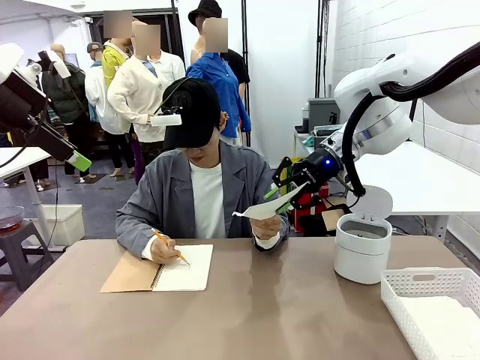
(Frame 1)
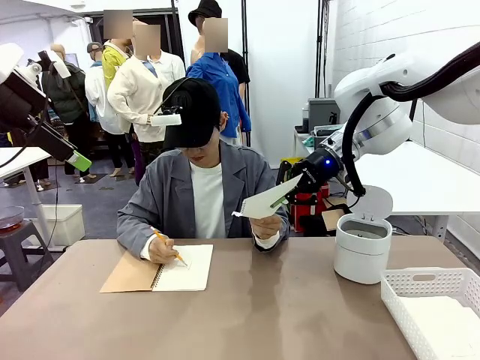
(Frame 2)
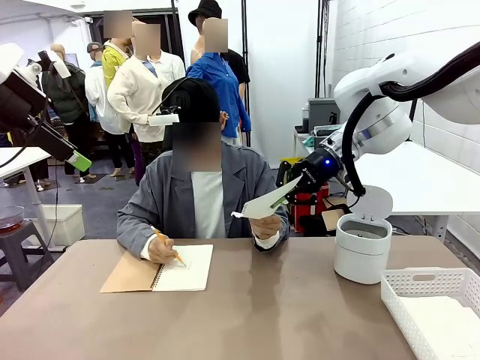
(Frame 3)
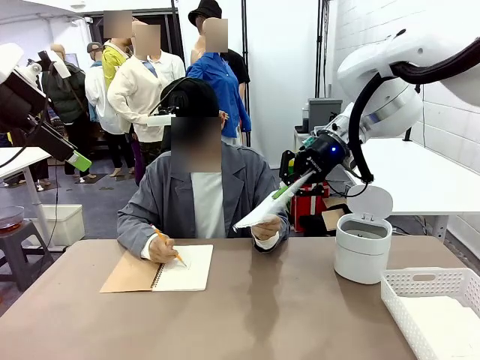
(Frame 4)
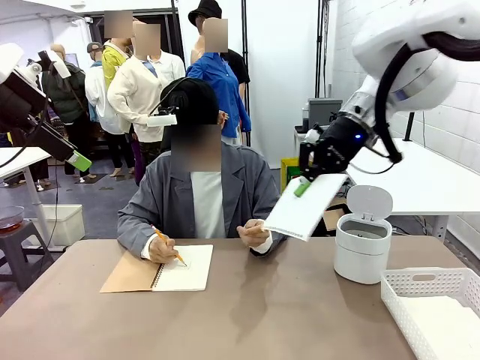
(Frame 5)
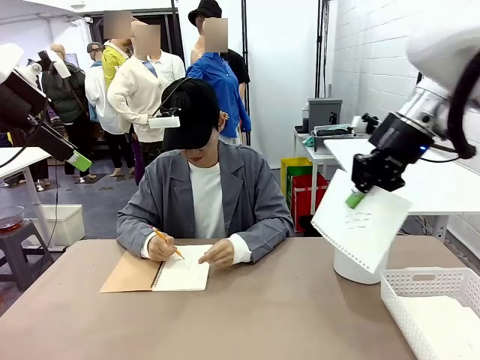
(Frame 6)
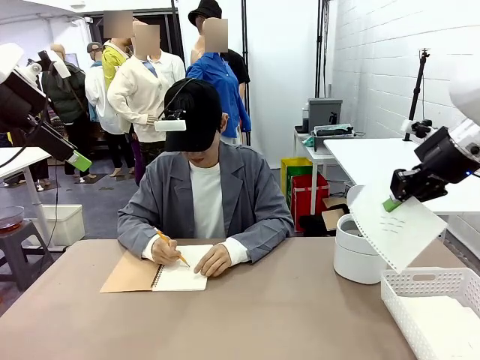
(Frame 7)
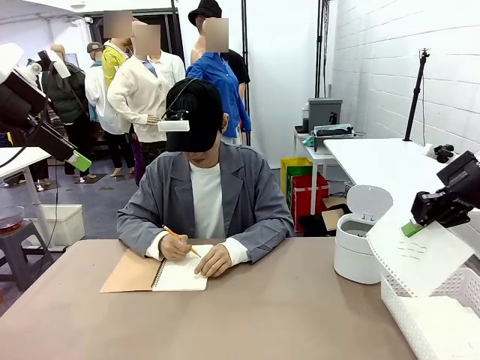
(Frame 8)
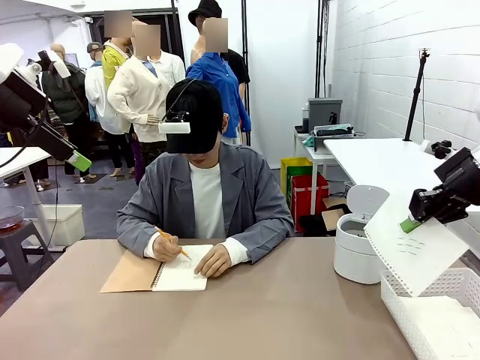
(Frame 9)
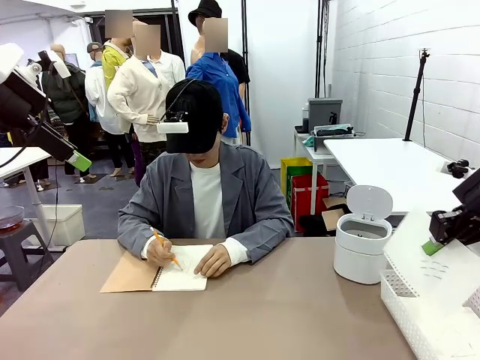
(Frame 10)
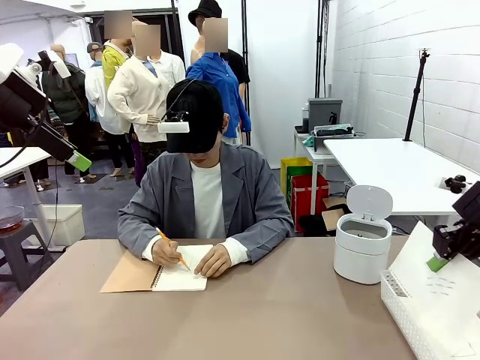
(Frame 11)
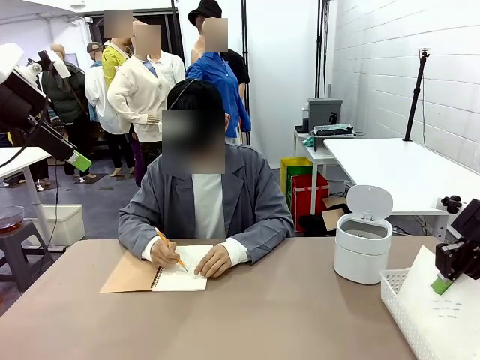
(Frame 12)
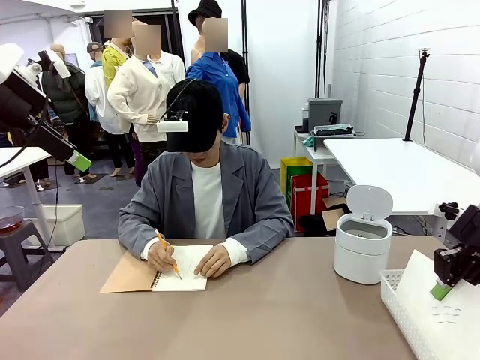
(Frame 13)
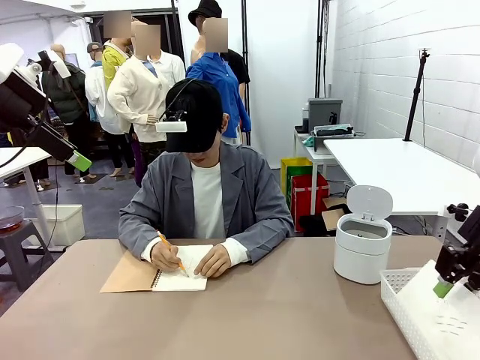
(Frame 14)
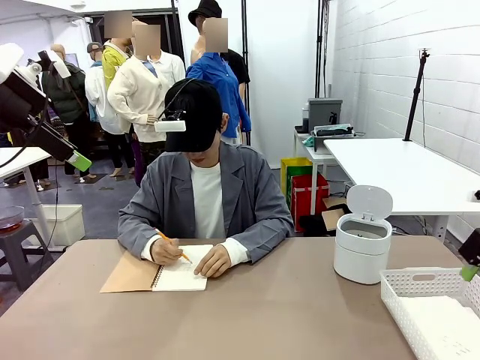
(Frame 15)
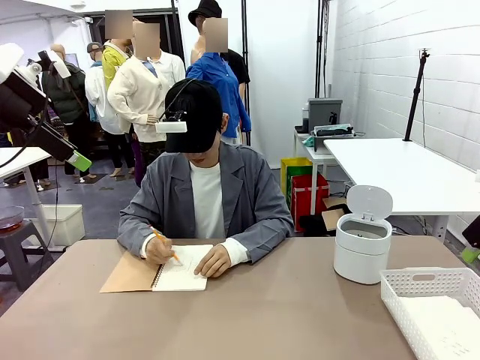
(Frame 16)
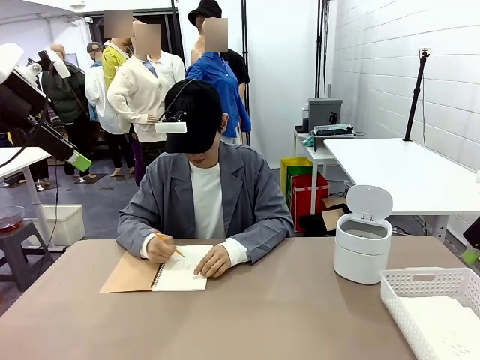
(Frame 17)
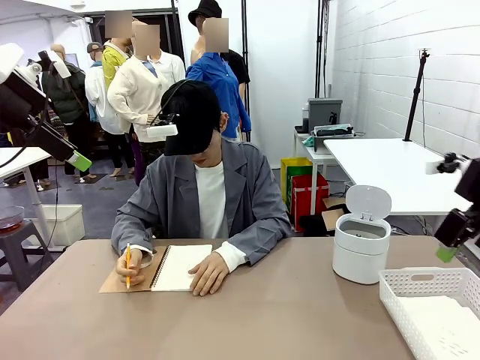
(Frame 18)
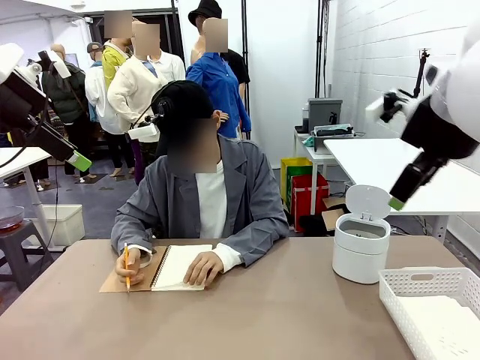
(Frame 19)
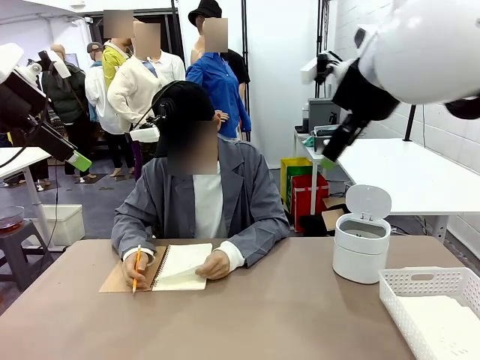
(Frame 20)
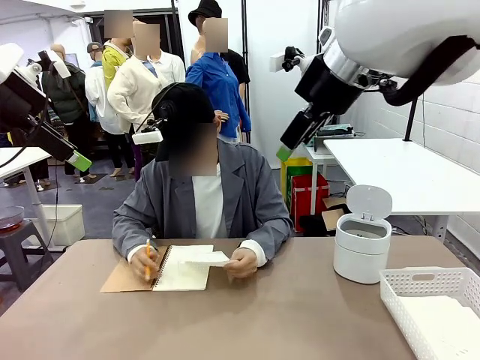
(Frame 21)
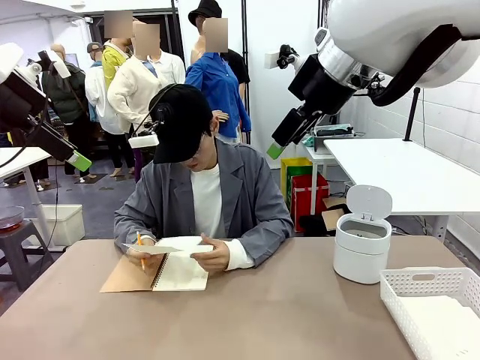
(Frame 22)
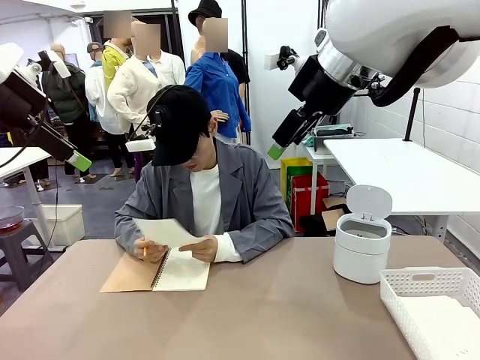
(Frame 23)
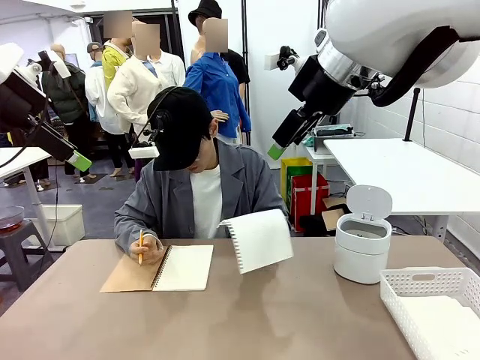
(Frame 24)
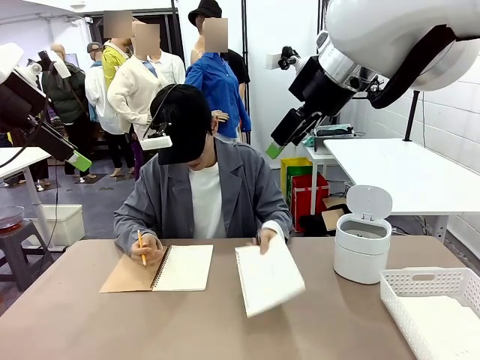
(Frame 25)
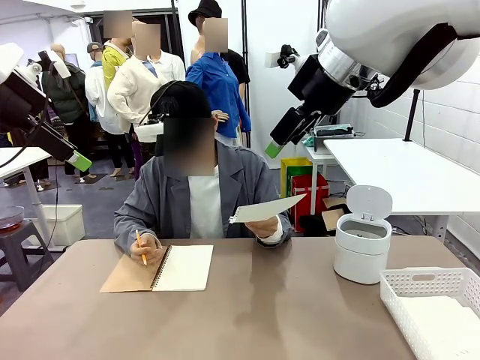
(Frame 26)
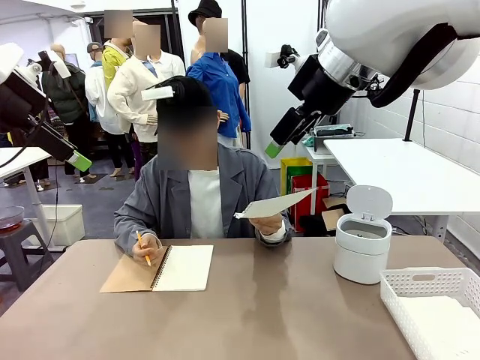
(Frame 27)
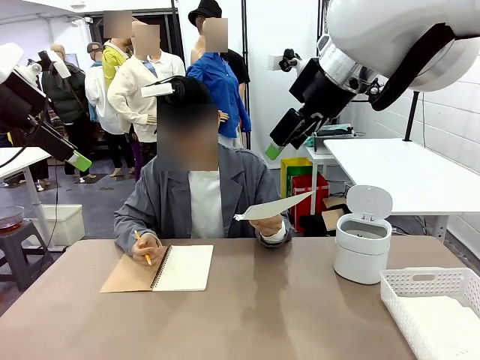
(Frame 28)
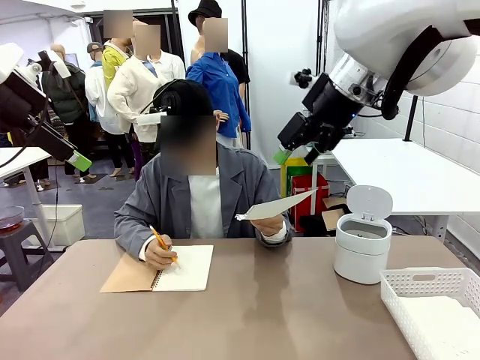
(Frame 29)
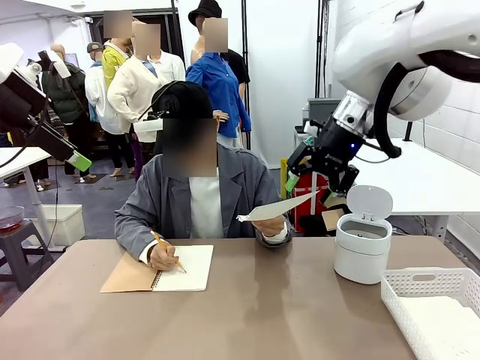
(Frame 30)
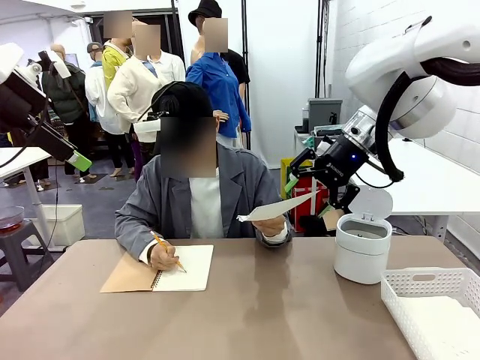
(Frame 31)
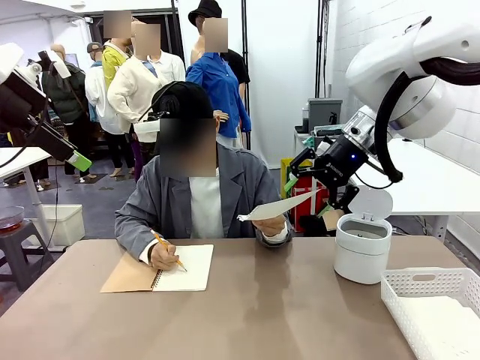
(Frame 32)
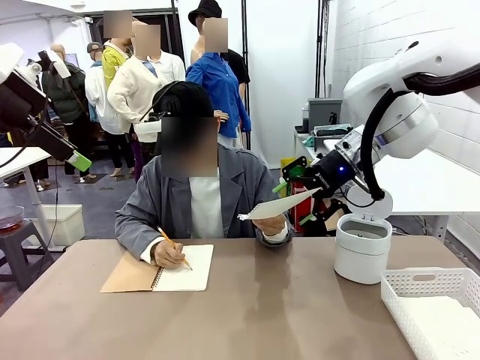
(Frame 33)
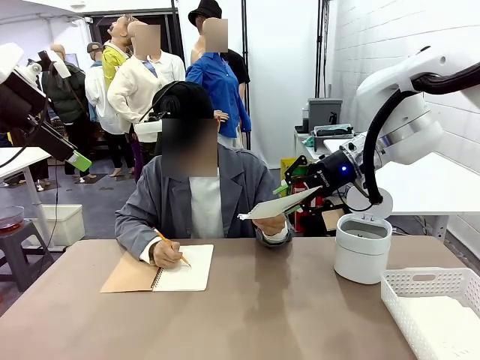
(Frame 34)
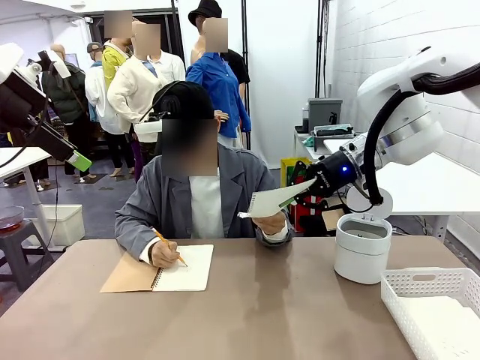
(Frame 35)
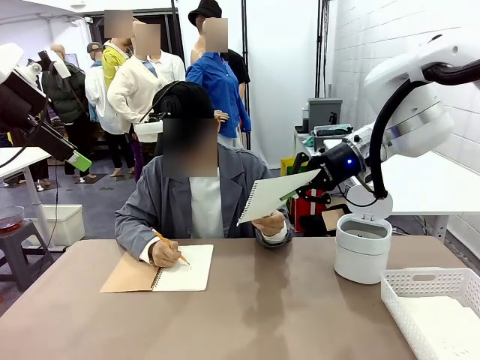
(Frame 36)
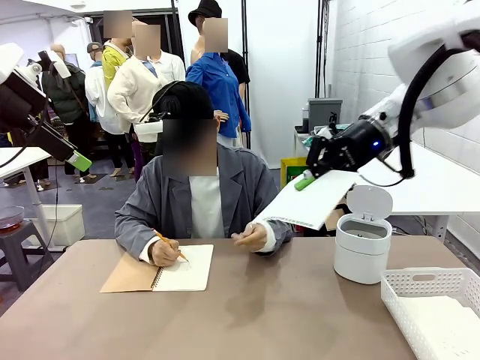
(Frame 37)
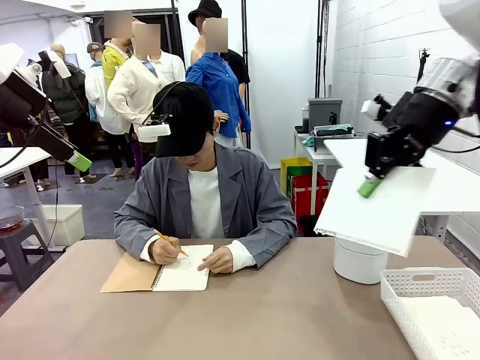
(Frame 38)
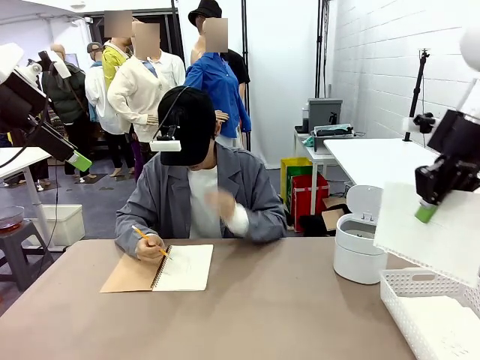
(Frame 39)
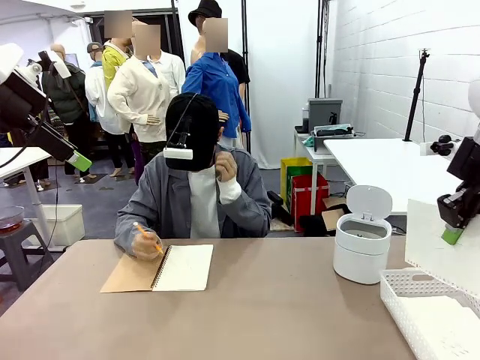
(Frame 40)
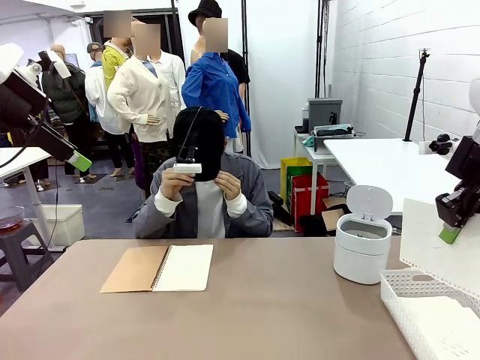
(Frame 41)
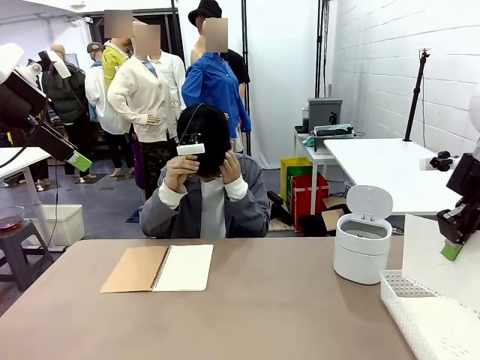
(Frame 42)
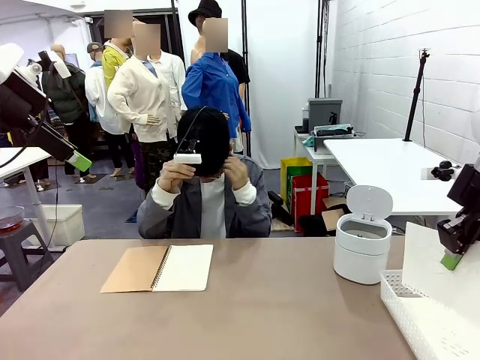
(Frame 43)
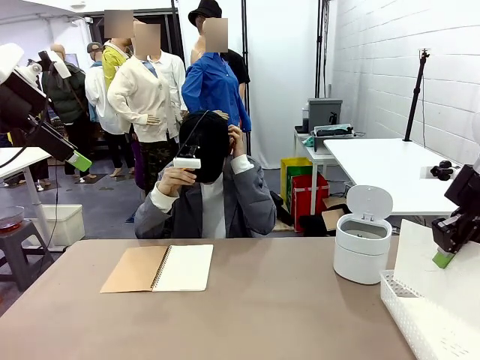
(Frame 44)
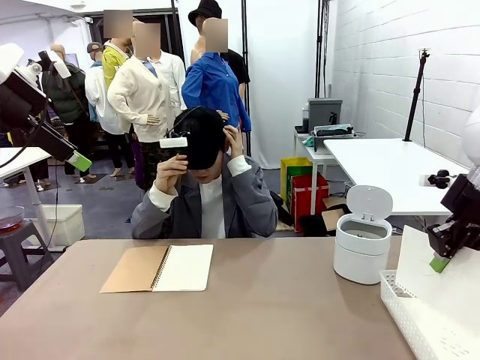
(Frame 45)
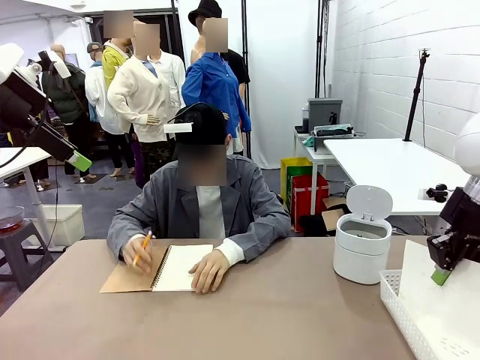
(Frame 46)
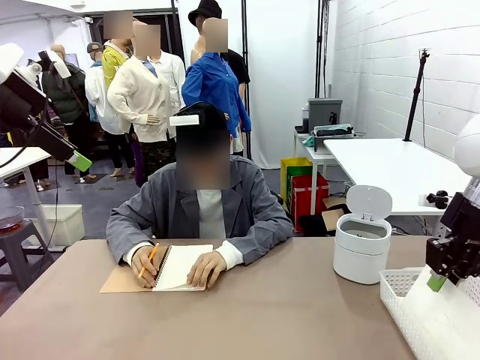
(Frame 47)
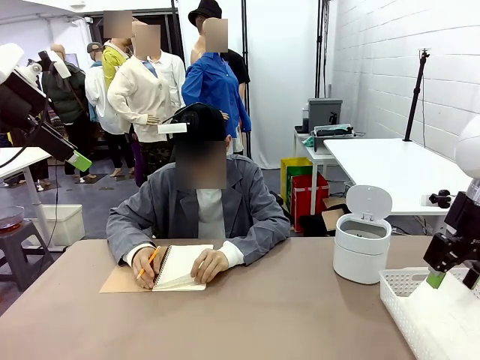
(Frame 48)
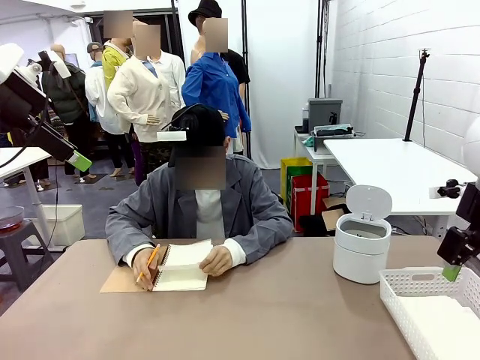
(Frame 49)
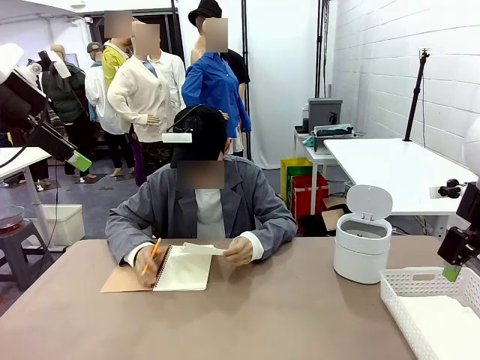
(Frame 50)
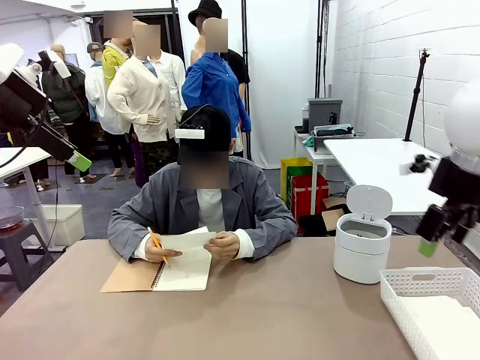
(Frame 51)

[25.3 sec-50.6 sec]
Task: Sort the paper based on its condition.
Robot: If a person hands you a paper, place it in the Organizing basket , and if it's crumpled, put it in the Trash can.
Person: Tear out a page from the spiral notebook. Hand the torn page to the robot or crumple it and throw it to the center of the table. Tear out a page from the spiral notebook.
